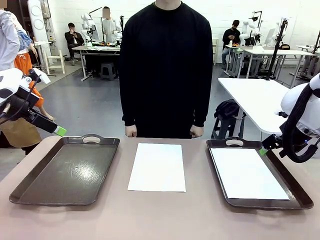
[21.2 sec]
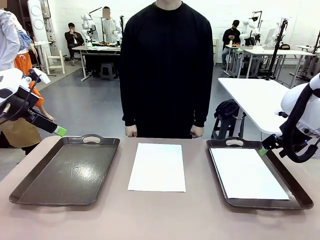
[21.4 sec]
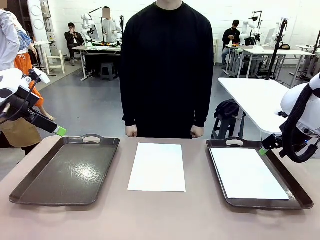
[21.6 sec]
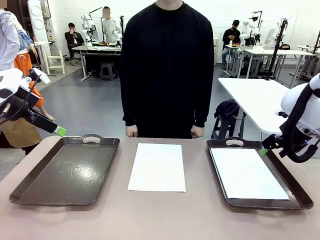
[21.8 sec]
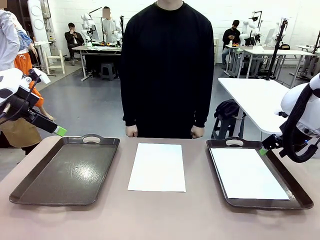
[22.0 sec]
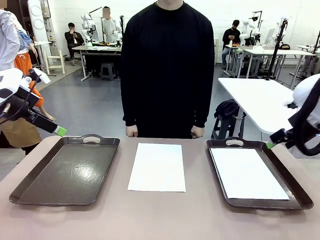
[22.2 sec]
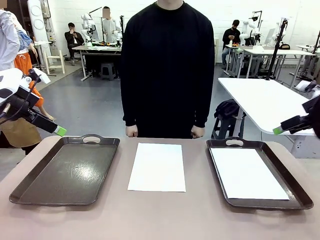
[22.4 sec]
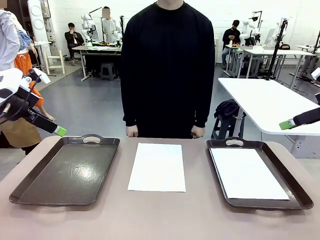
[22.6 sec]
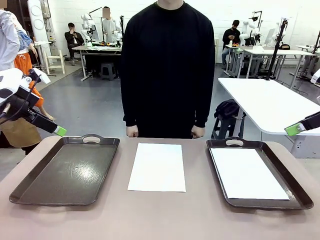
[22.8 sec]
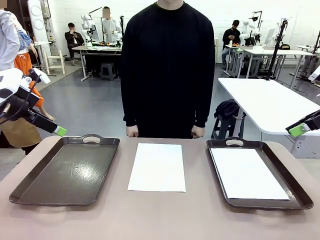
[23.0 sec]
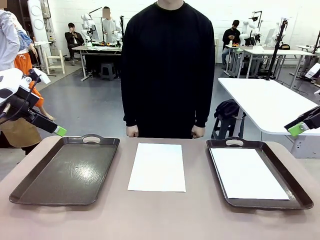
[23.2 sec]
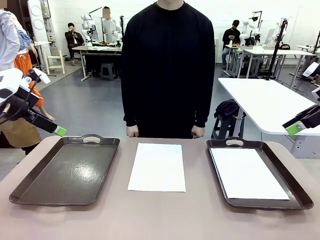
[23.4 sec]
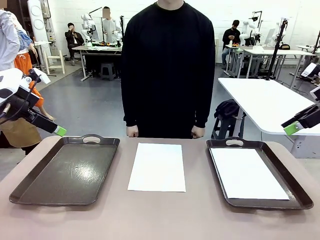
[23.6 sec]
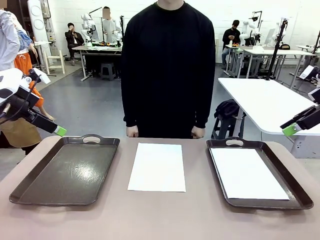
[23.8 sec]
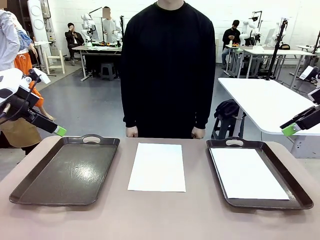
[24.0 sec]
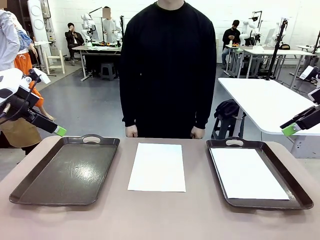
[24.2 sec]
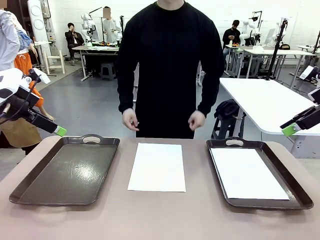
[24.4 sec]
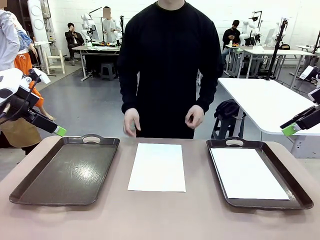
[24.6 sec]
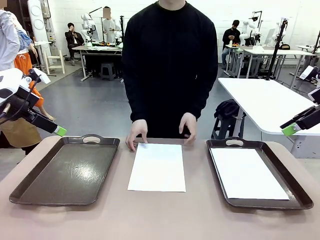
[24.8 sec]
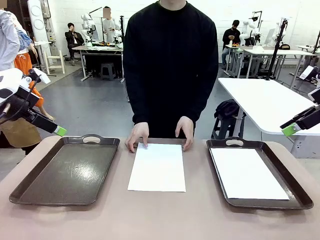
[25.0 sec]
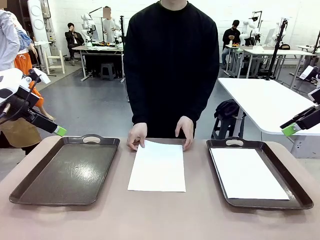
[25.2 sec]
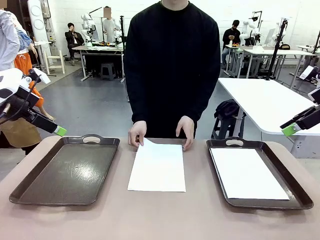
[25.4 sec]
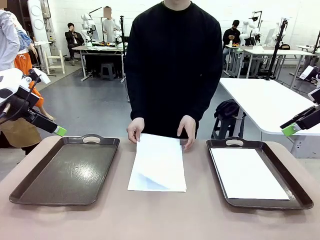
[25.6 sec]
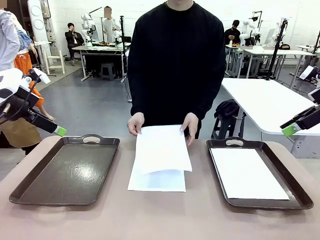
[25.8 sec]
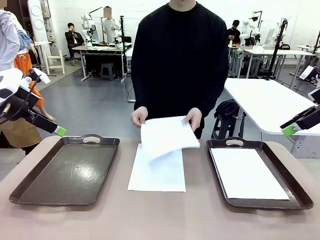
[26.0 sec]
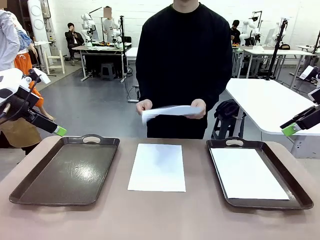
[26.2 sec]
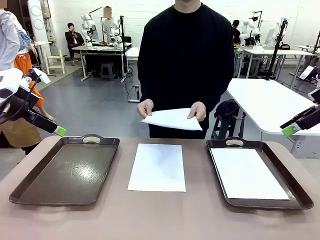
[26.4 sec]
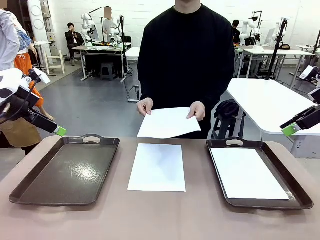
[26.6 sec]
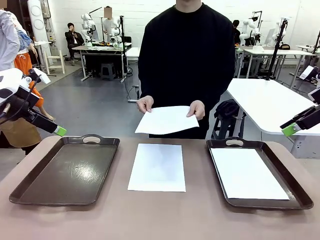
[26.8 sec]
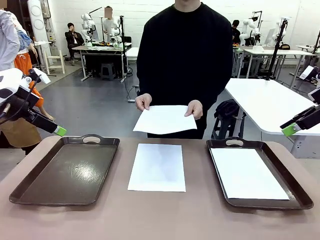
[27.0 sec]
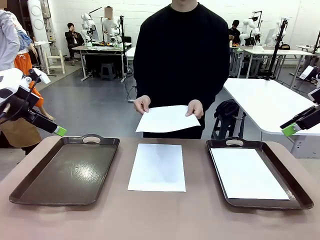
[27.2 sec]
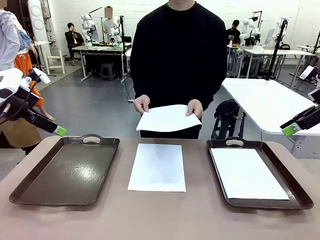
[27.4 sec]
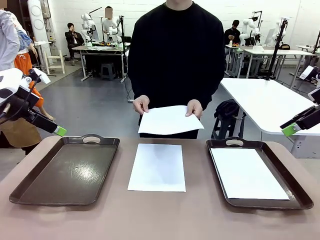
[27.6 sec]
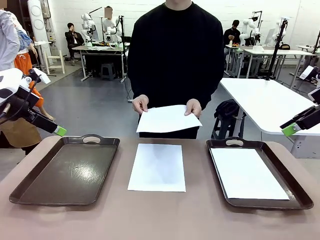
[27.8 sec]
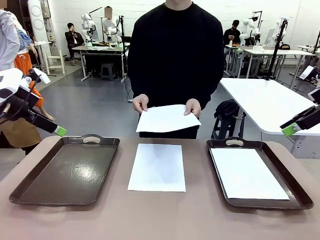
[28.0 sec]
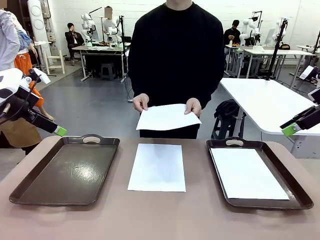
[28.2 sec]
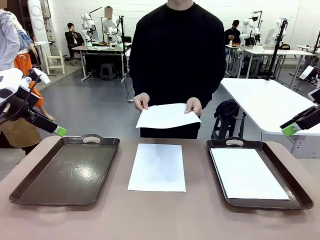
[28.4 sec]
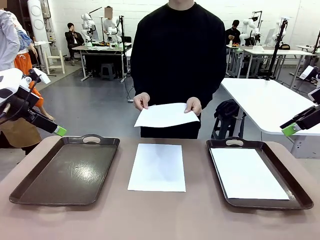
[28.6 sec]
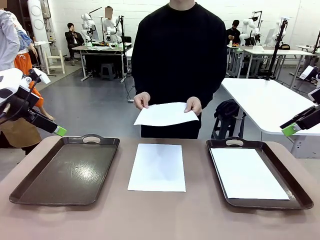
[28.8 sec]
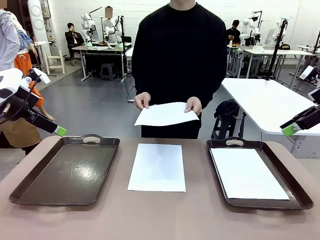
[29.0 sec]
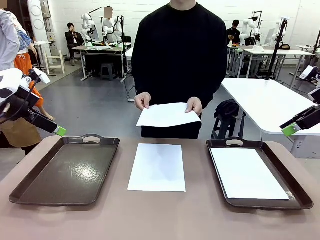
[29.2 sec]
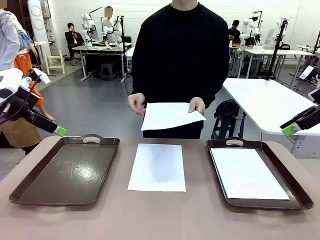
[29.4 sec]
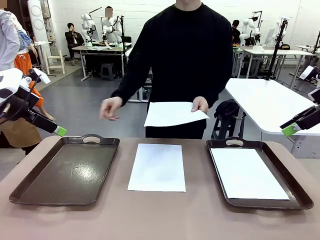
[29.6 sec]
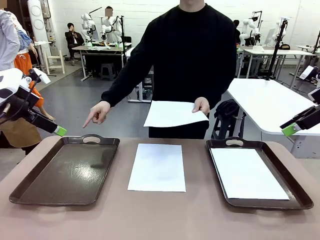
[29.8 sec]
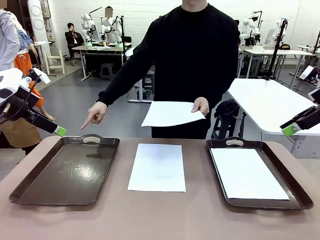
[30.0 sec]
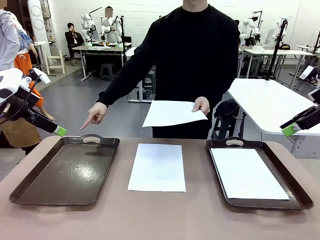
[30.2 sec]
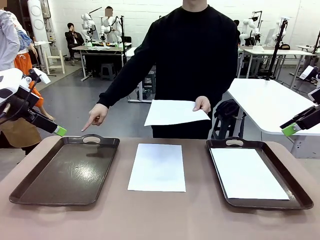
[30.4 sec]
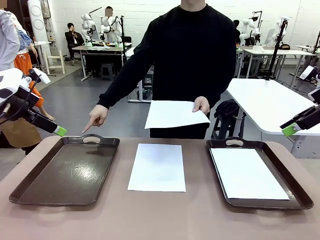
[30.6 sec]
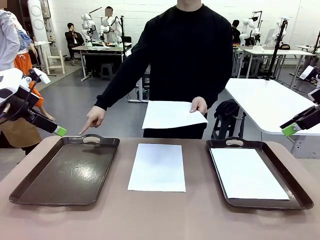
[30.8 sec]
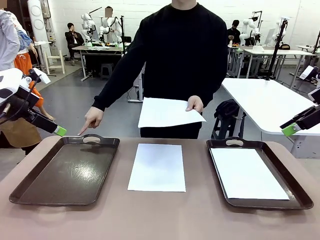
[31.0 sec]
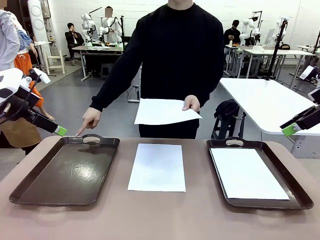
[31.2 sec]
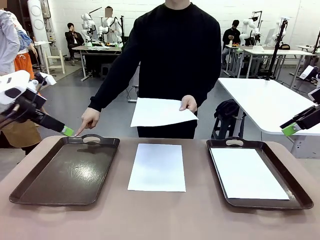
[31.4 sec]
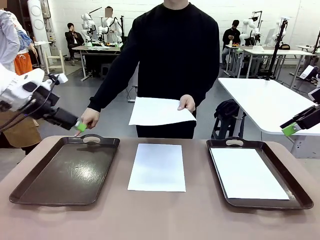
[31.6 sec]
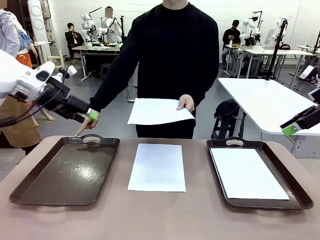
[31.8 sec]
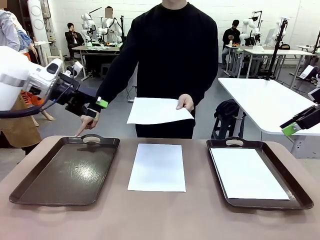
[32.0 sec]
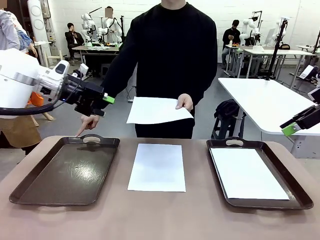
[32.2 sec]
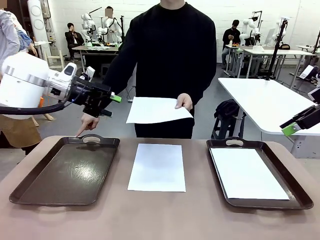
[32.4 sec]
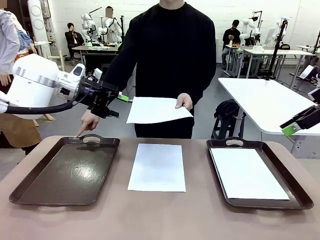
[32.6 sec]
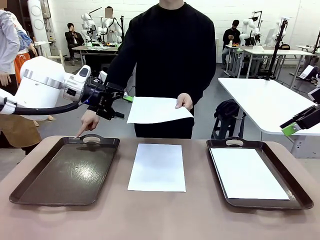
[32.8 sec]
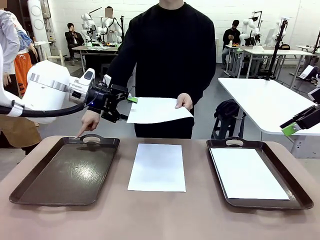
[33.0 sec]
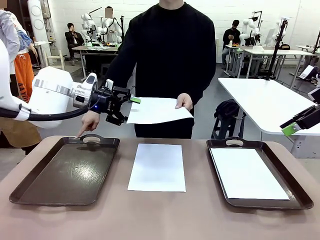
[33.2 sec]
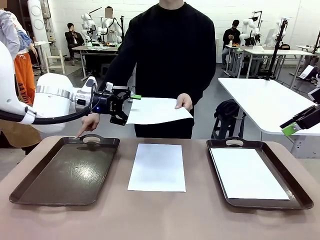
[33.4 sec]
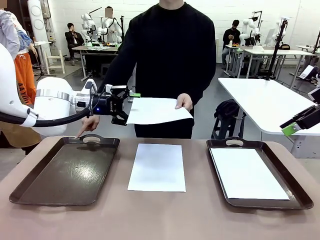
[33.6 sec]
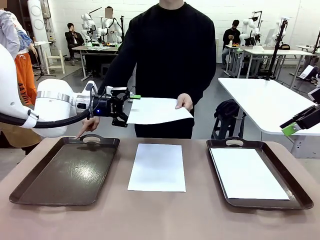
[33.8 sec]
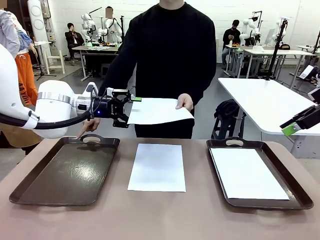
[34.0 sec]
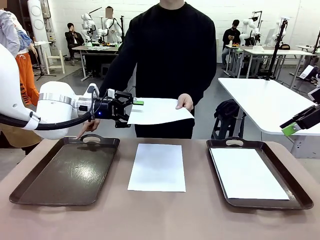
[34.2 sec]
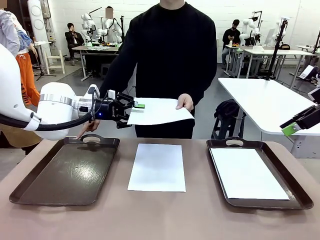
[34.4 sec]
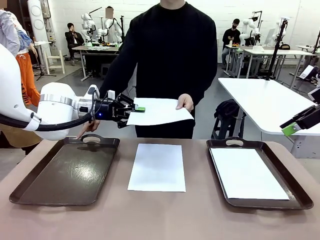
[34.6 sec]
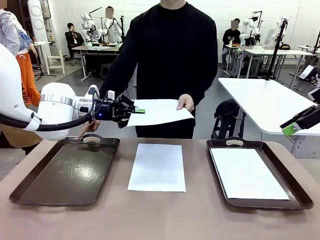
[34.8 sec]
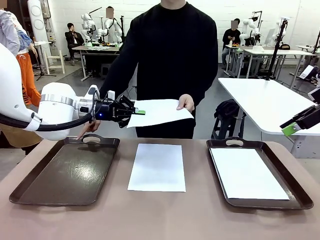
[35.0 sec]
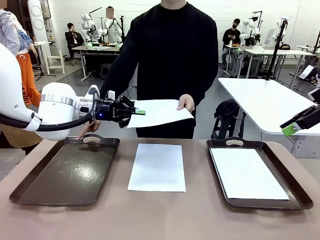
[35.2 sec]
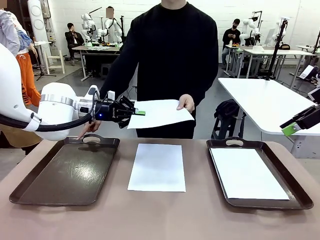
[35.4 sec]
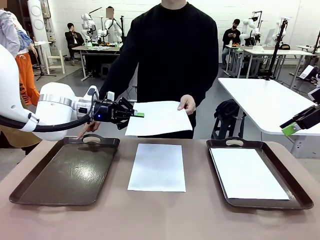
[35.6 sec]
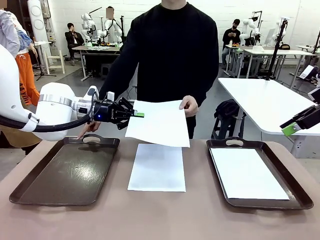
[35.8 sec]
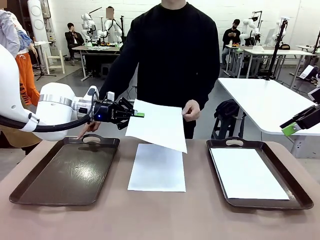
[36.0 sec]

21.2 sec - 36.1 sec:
Task: Sort the A4 documents.
Robot: Receive the A4 Paper.
Person: Point the randomly selected tray with the other hand.

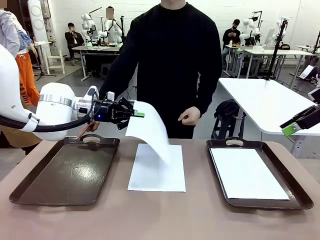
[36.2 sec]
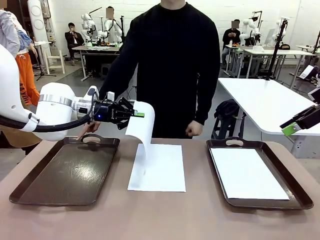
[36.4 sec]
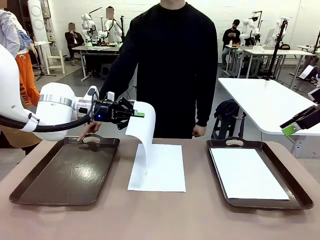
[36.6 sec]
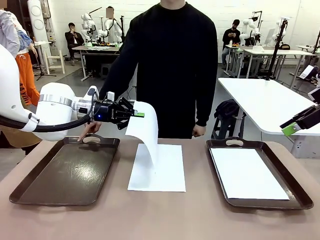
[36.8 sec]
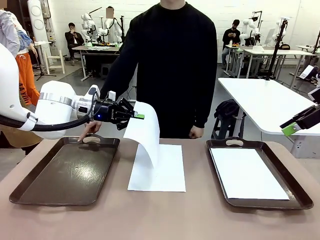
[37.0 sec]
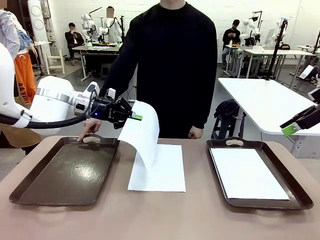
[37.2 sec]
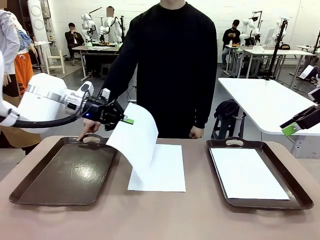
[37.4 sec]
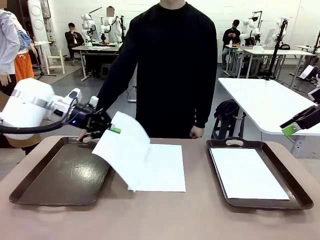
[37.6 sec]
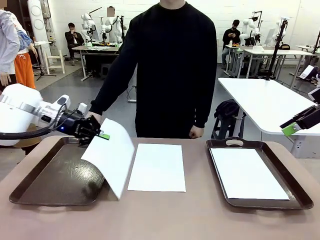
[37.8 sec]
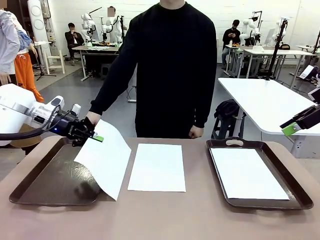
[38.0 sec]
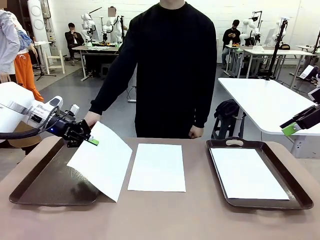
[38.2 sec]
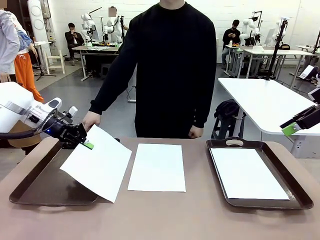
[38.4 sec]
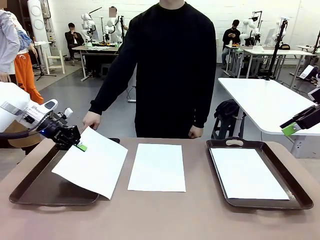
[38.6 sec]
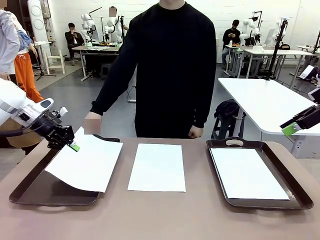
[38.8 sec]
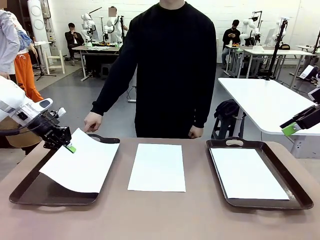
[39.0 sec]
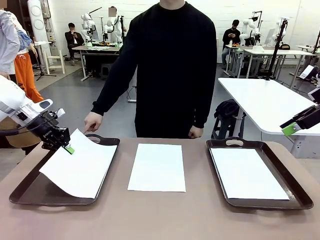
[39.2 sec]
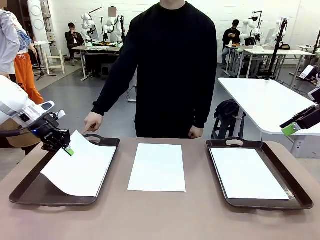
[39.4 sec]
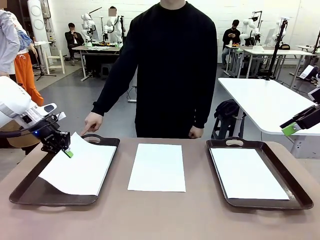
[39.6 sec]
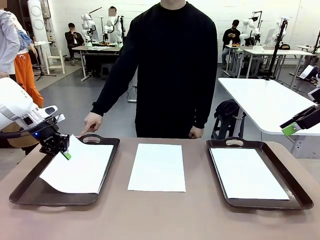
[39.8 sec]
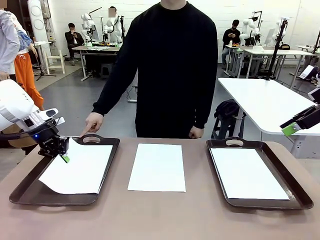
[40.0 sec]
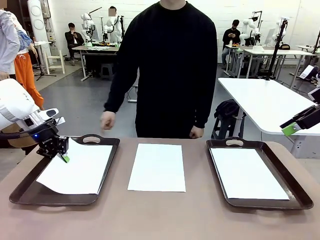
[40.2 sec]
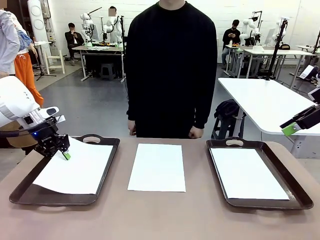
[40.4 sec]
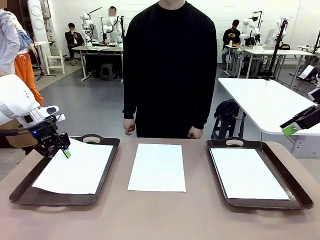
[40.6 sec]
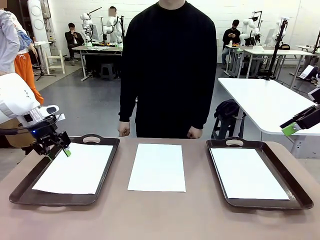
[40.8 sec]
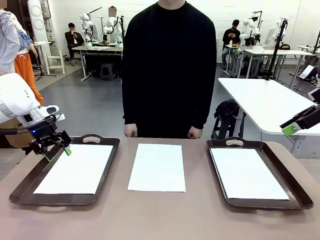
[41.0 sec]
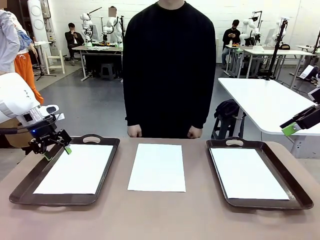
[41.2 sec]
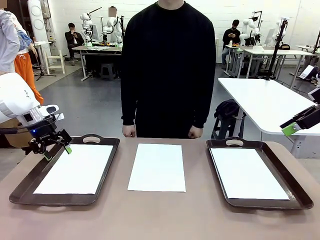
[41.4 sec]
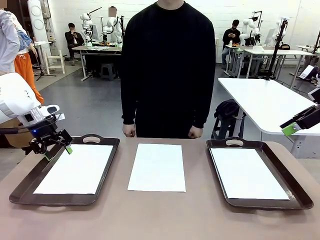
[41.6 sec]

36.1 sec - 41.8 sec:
Robot: Place the A4 Paper in the designated Handle tray.
